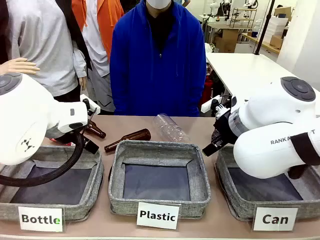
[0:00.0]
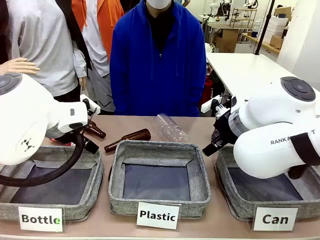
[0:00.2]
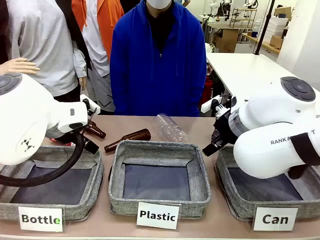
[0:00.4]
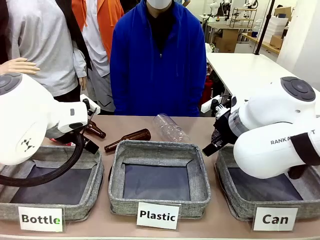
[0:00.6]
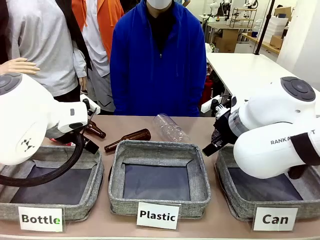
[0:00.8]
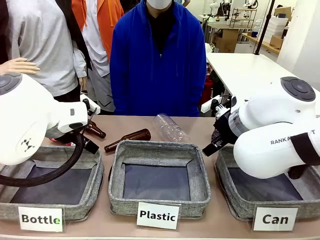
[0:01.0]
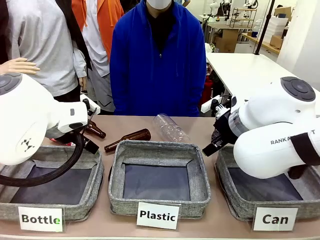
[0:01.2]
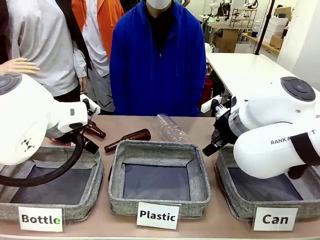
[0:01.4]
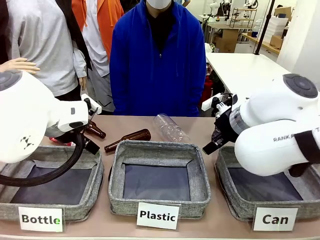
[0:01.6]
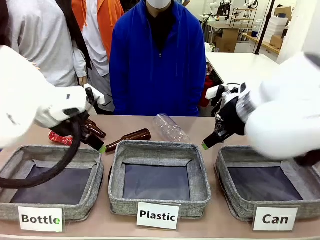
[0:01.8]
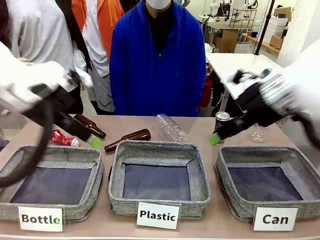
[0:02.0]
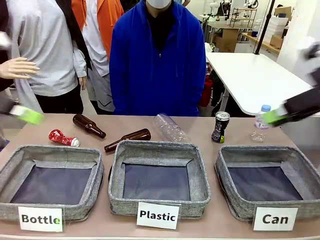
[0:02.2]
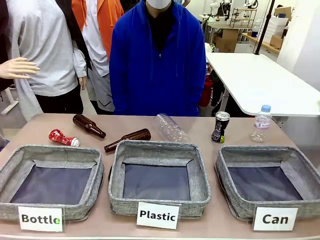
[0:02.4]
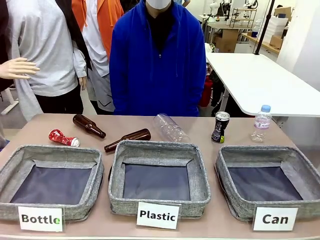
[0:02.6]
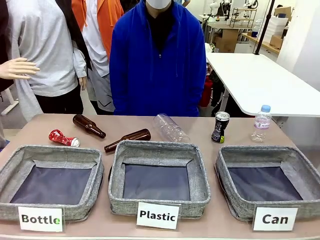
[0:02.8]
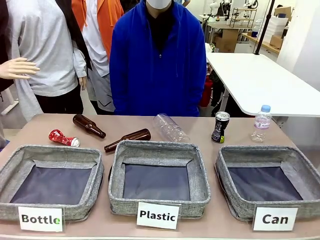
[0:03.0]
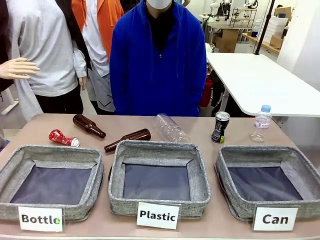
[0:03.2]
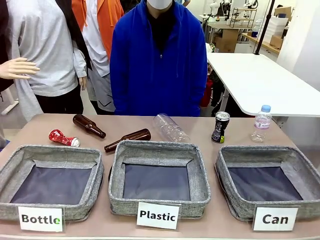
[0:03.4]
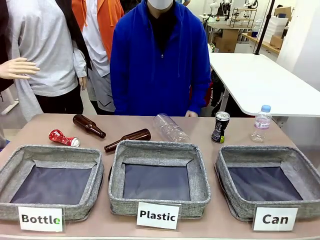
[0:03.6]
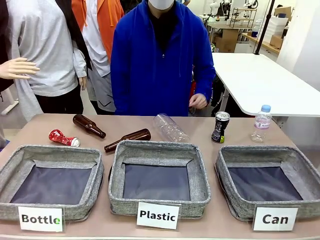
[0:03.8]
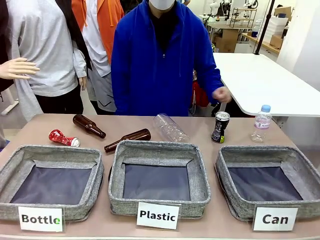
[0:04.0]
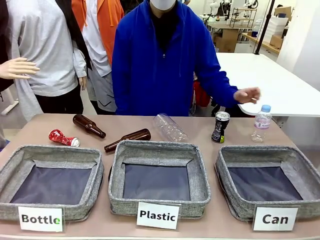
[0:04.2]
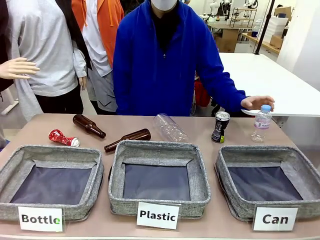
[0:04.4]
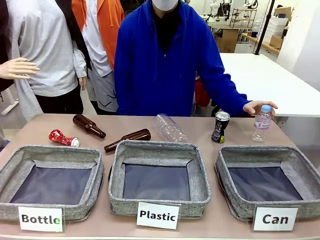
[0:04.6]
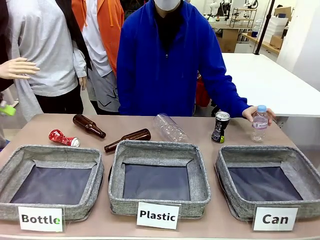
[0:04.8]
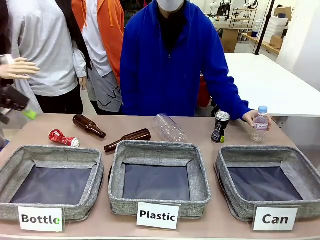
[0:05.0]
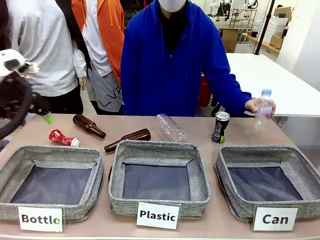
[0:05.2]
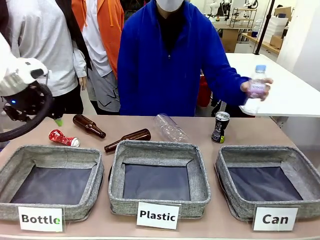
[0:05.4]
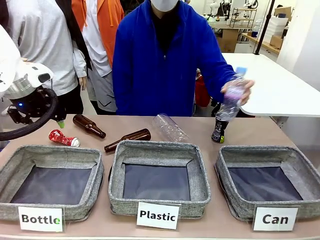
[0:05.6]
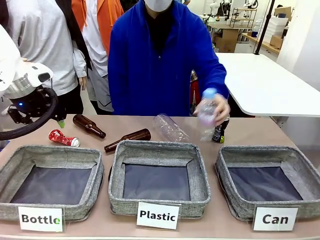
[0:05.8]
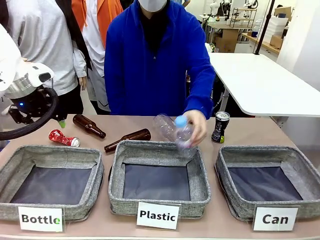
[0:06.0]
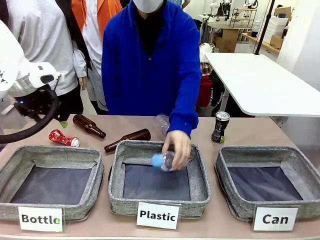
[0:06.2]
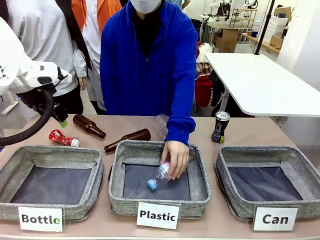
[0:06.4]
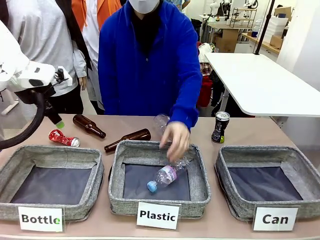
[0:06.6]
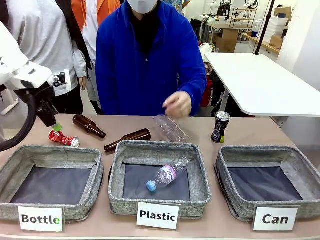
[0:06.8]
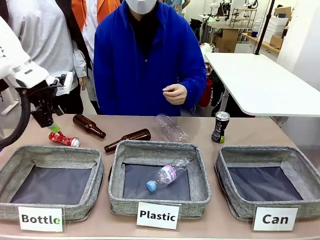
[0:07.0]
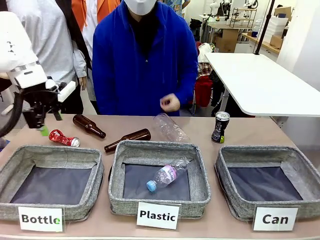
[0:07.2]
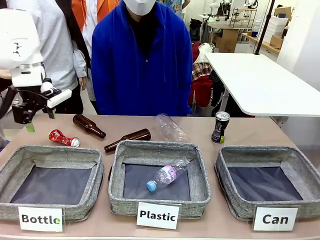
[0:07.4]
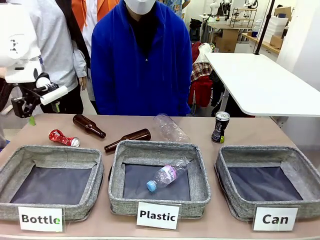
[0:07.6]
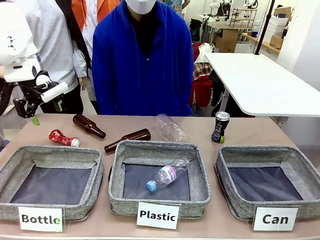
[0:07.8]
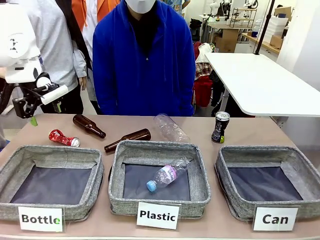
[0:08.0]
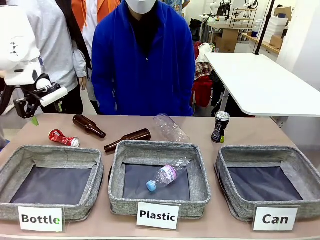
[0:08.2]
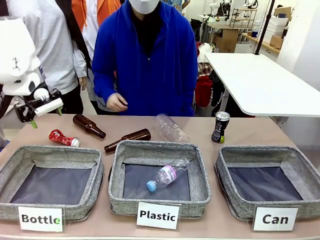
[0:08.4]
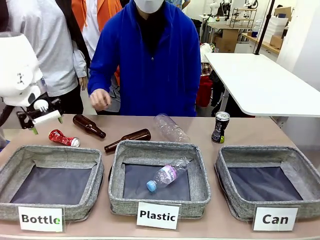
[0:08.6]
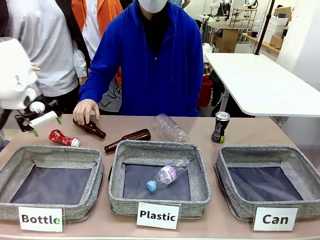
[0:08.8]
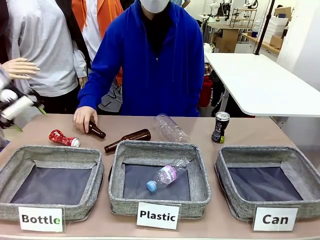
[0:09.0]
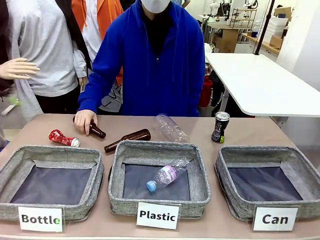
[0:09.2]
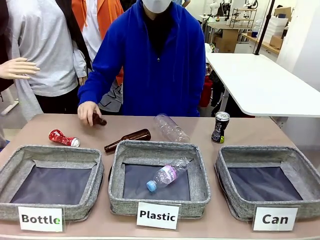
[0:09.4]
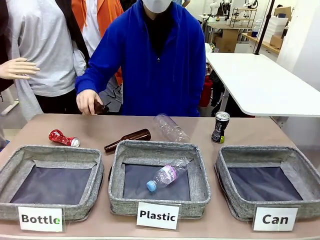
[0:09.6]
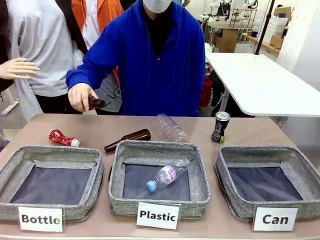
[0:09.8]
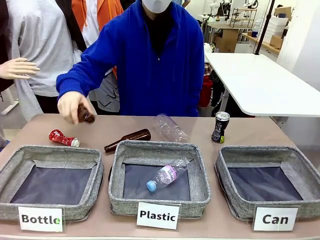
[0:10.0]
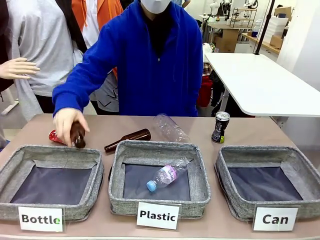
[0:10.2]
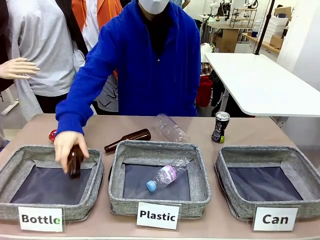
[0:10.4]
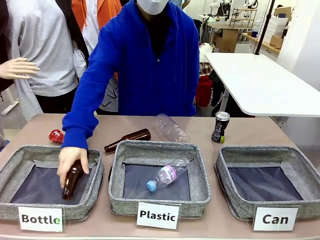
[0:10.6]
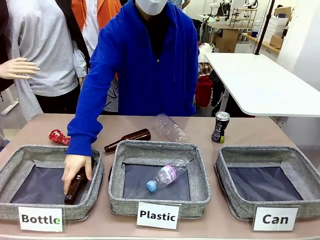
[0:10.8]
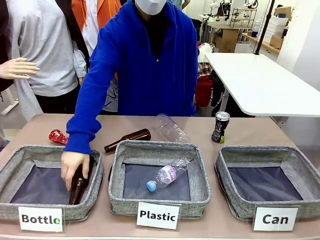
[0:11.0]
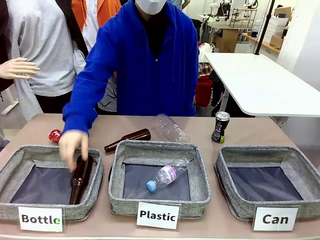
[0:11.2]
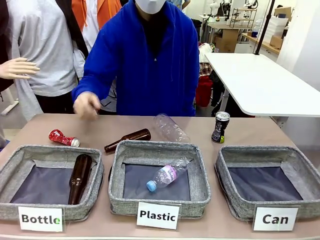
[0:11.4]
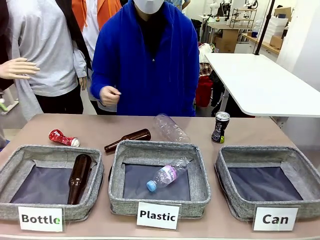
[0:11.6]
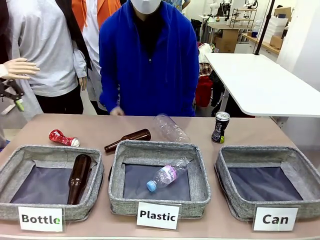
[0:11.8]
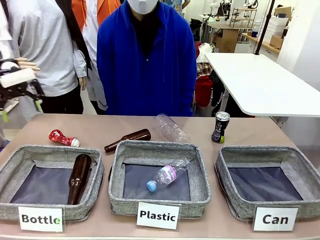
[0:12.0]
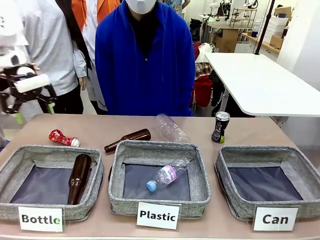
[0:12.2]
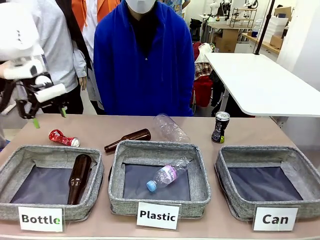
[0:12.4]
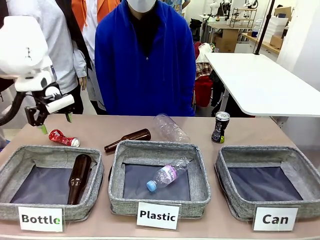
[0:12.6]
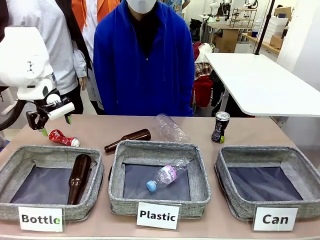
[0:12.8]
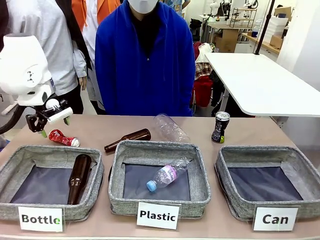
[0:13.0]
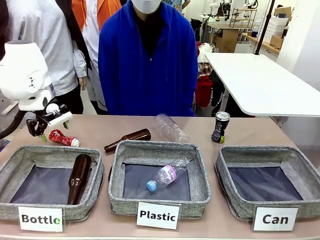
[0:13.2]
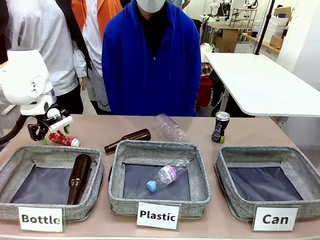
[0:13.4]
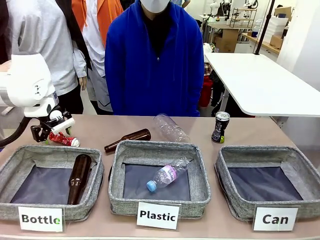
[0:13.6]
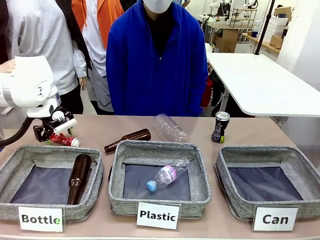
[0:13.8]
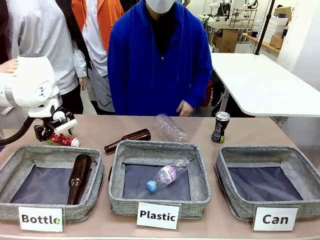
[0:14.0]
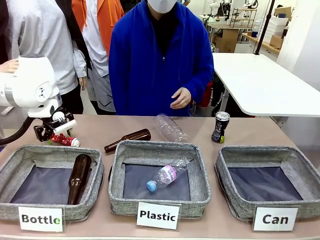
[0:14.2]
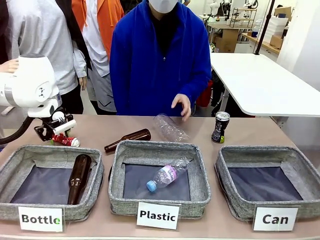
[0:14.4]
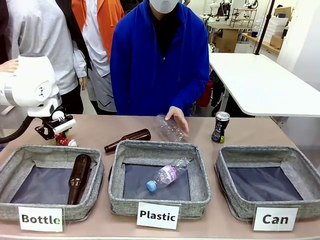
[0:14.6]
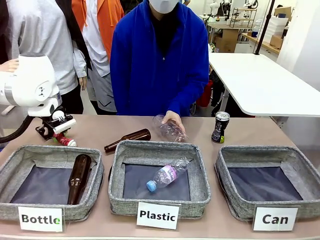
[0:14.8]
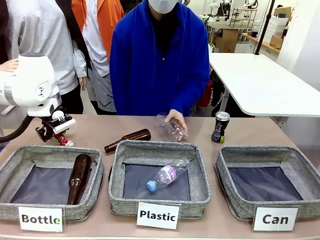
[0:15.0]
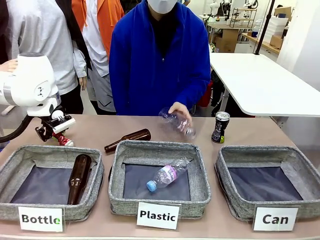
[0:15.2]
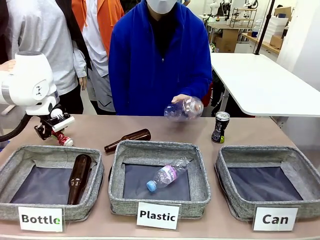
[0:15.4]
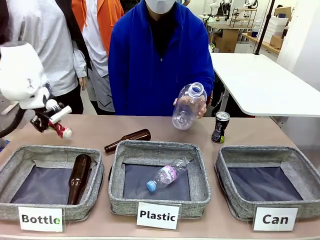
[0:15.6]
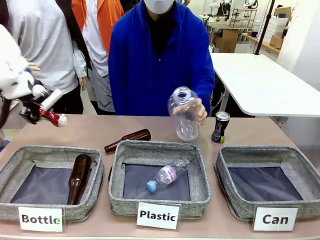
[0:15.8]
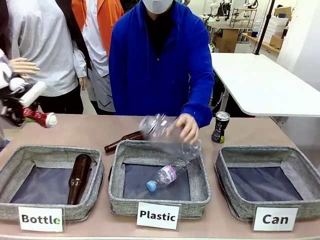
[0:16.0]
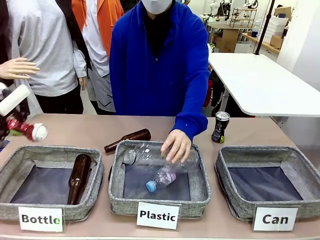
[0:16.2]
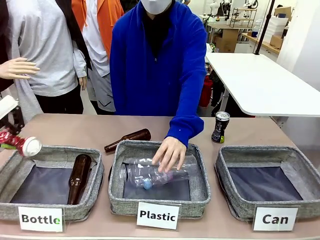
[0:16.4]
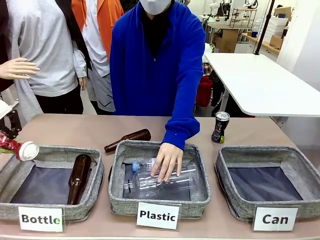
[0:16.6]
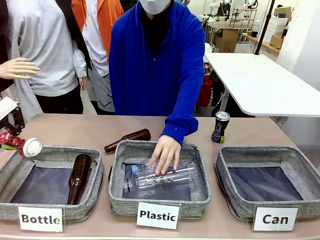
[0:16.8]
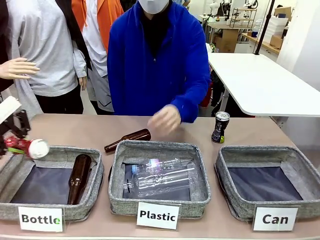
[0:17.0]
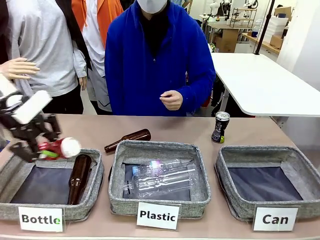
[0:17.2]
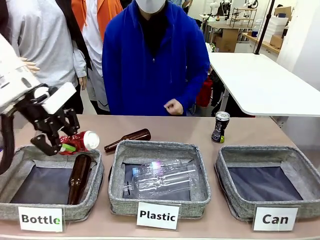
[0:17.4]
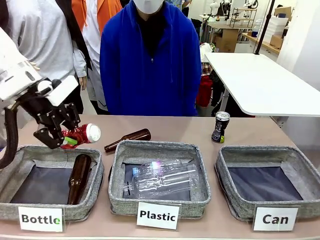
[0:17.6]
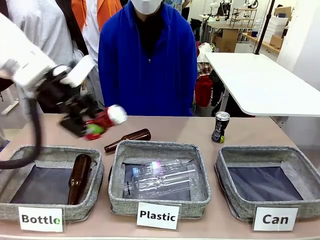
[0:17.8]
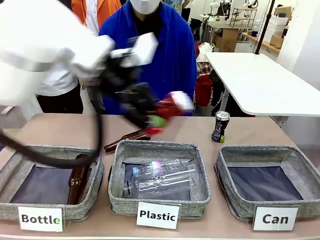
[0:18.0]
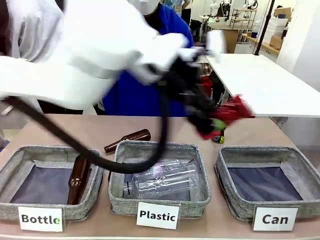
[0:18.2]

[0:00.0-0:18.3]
Task: Sort the can waste into the basket.
Robot: Pick up the can waste from the table and place it in the right Fabric basket.
